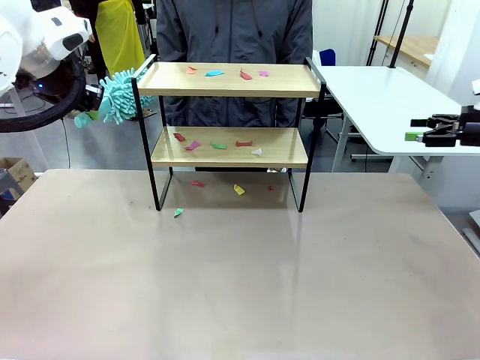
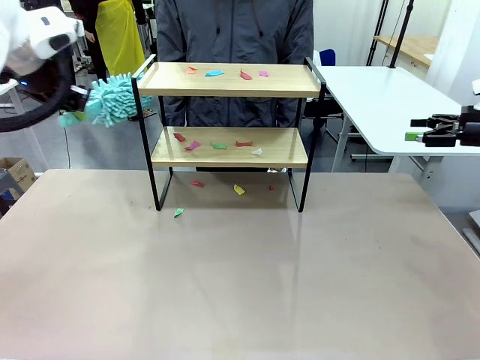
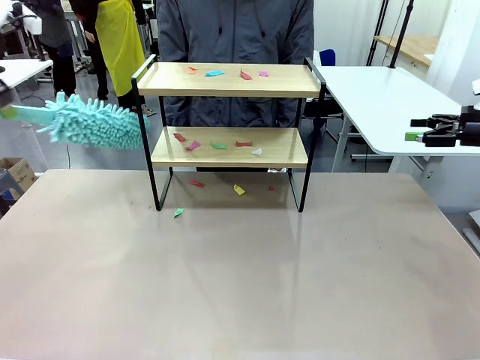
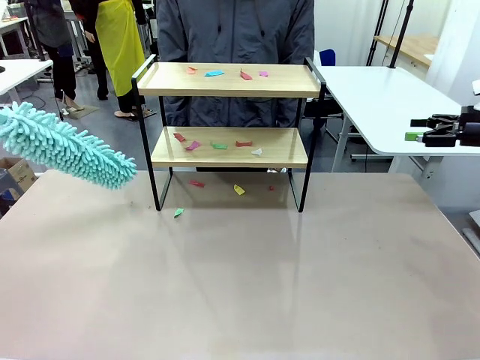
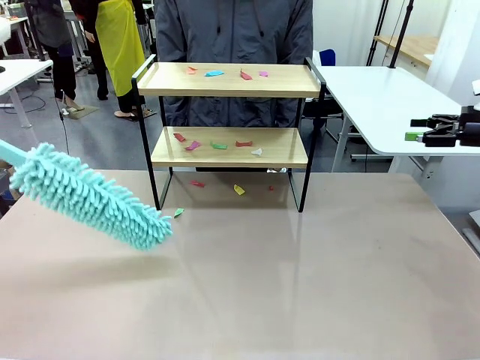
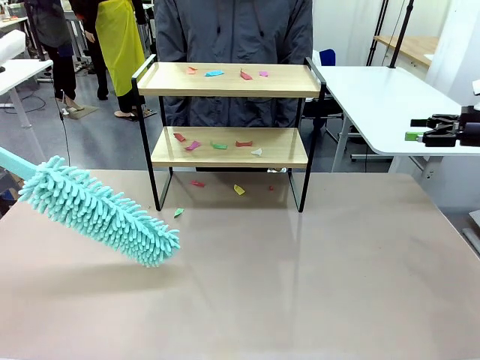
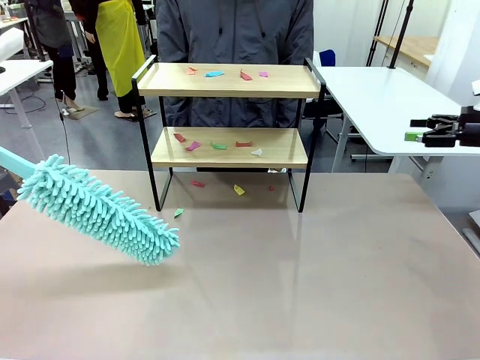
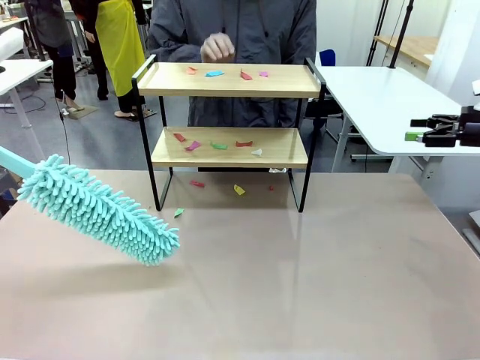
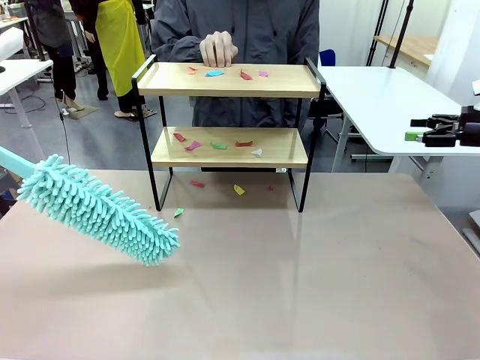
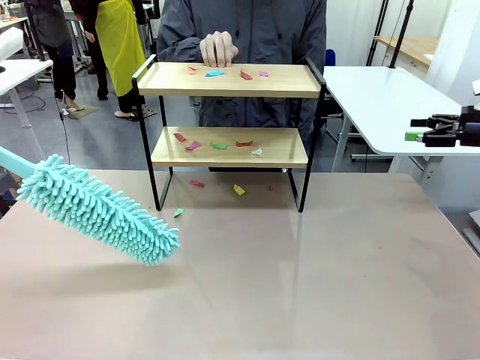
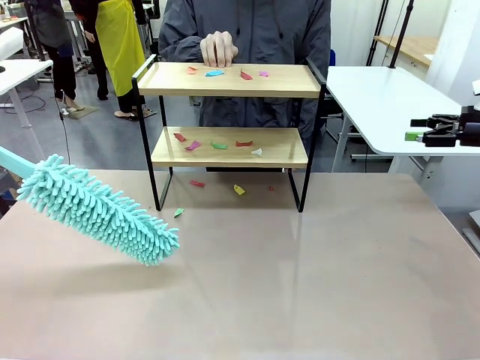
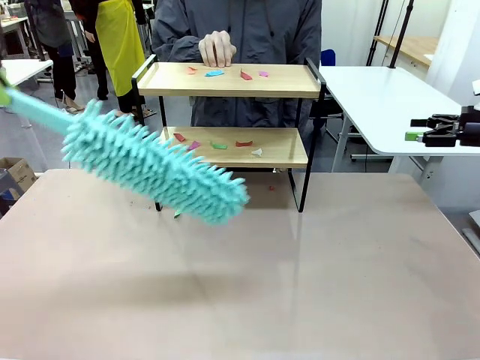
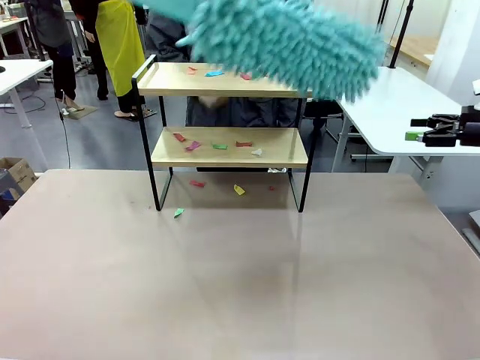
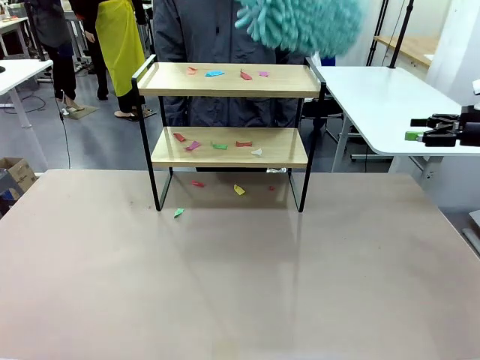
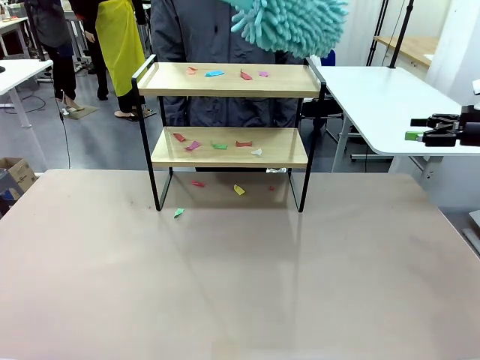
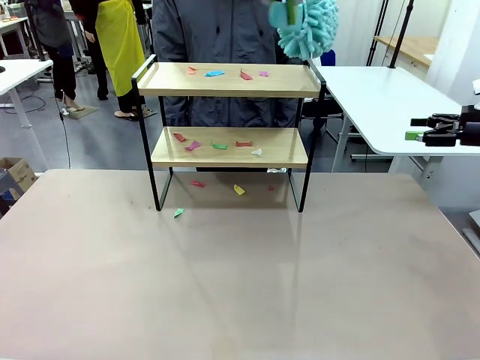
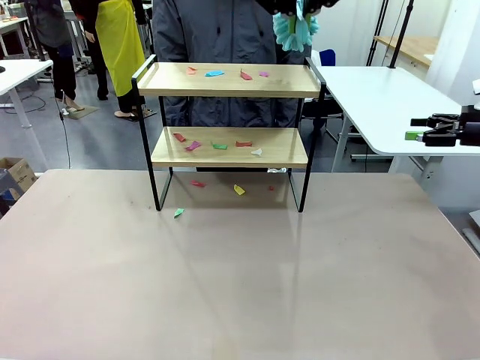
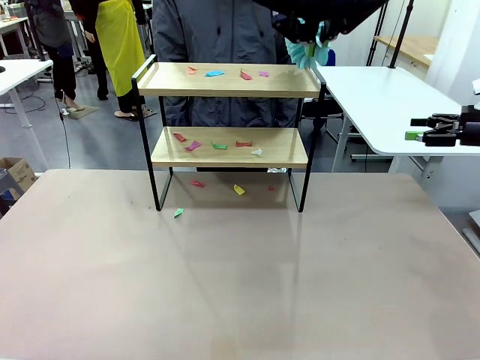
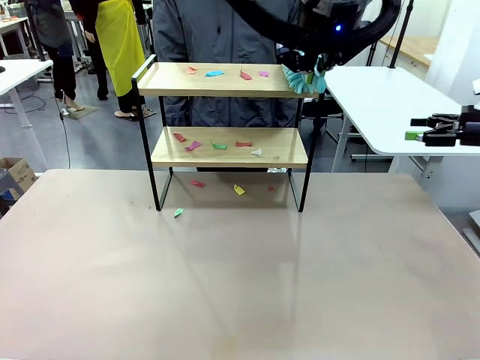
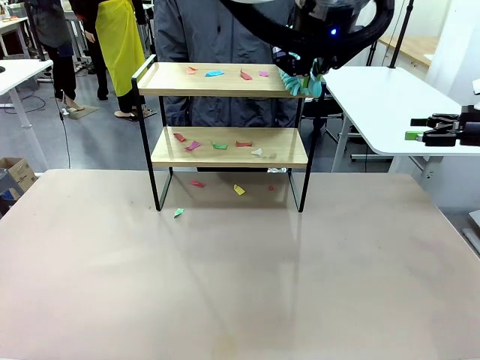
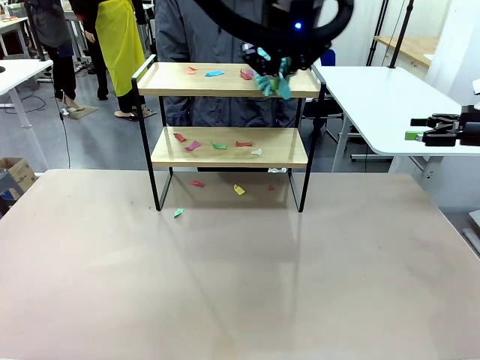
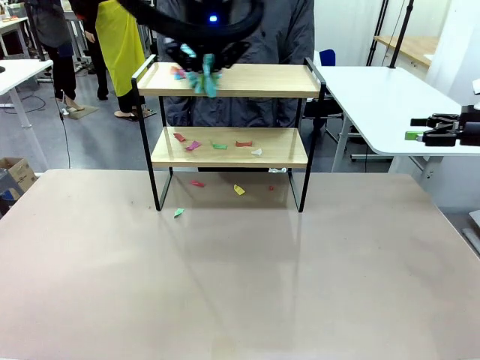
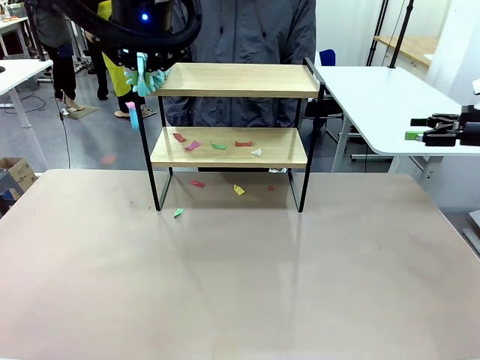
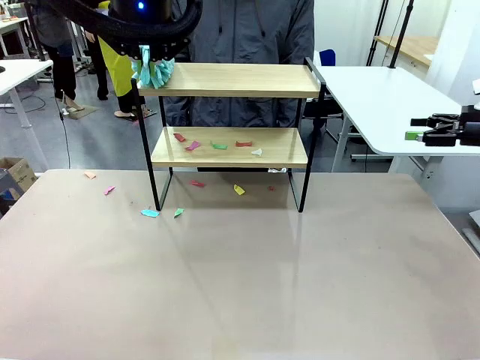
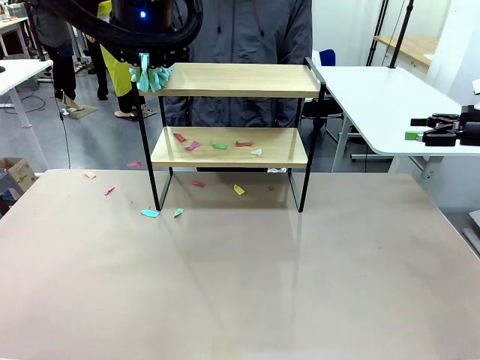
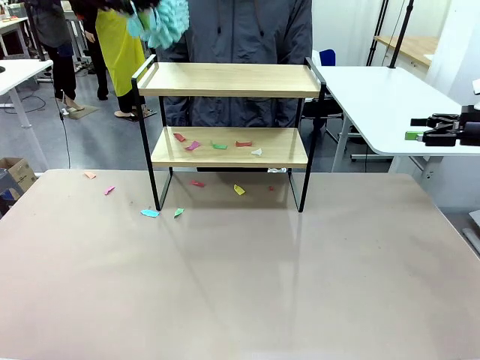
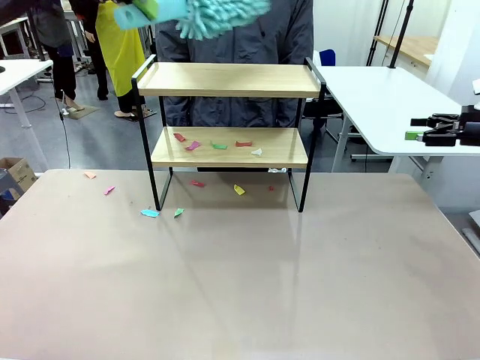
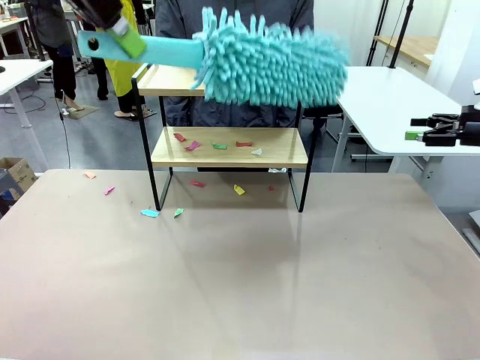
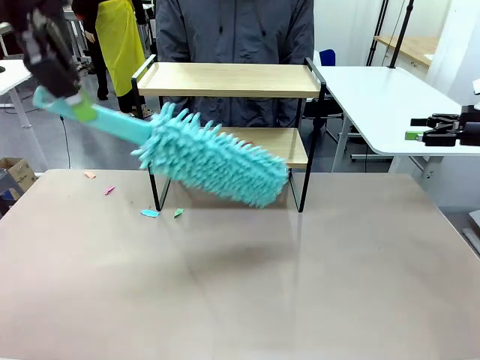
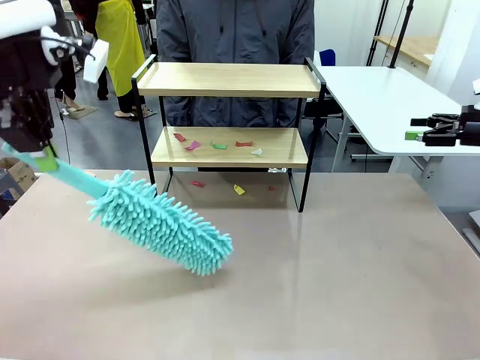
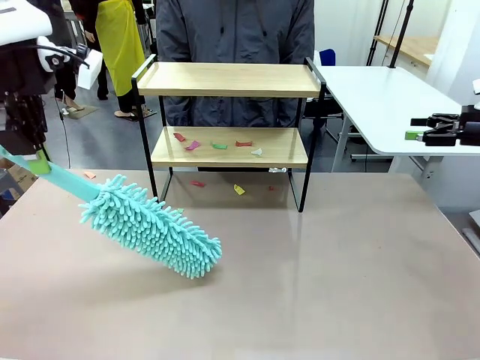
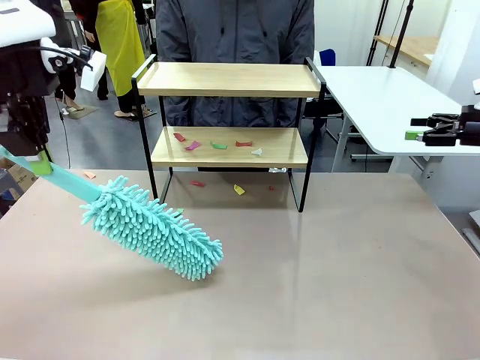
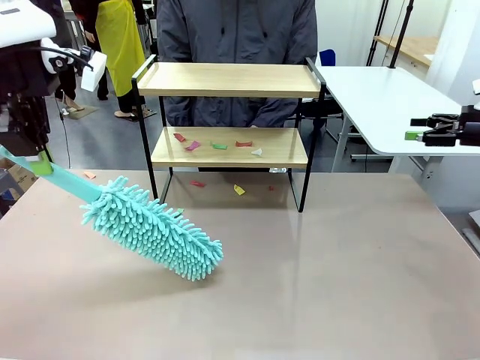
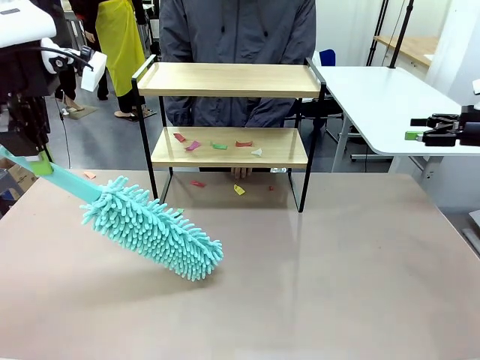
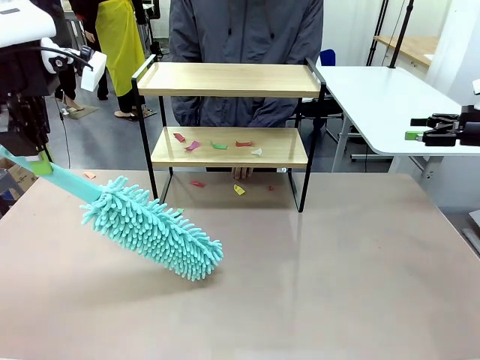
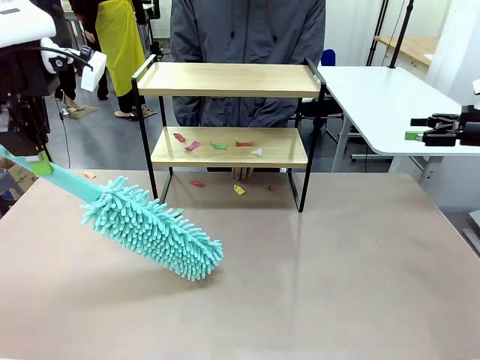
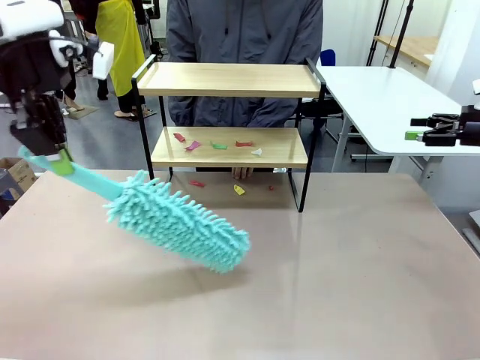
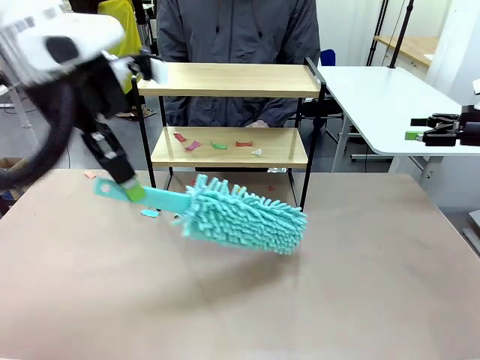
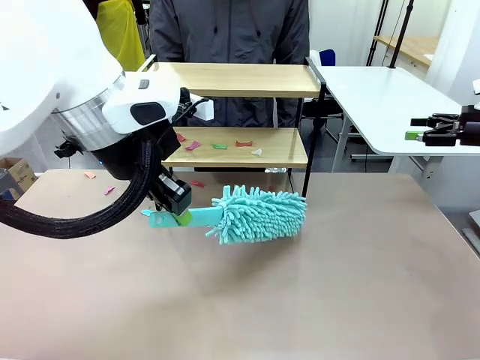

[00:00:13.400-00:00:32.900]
Task: Clean the shelf.
Robot: Clean the specific section of the Shelf indicated by the human with the Duster.
Person: Point a random section of the Shelf.
